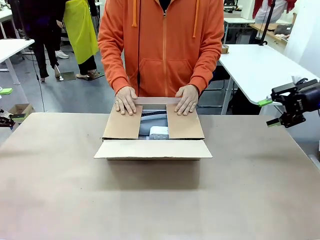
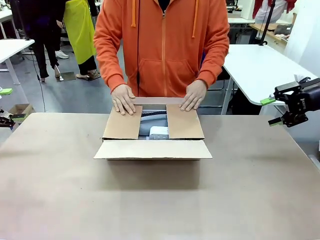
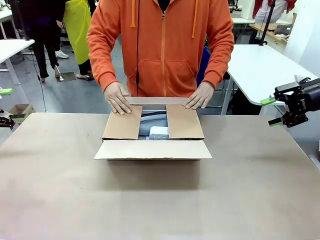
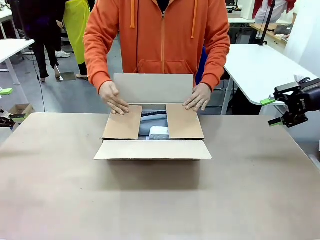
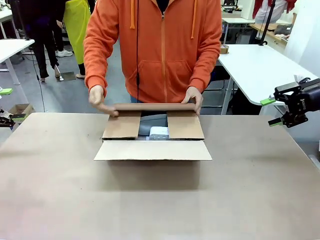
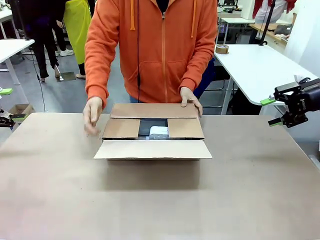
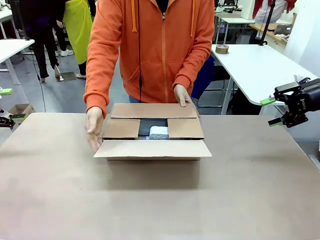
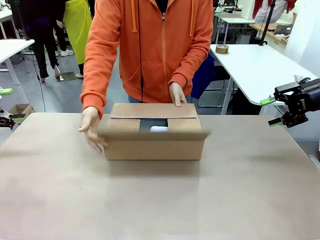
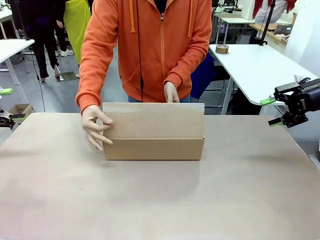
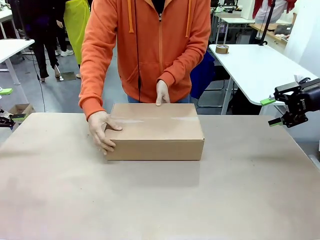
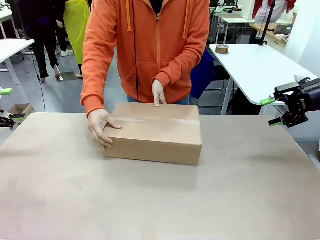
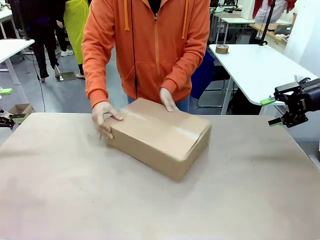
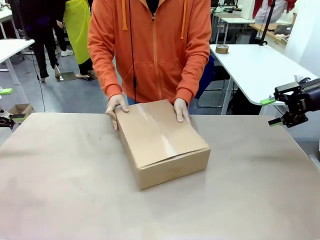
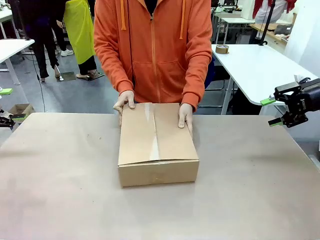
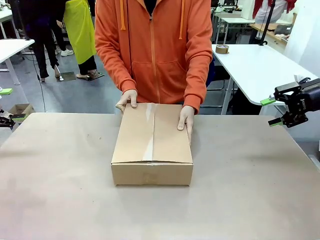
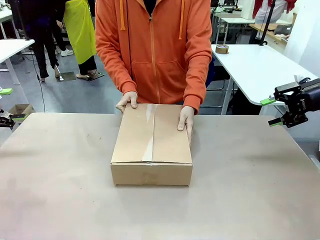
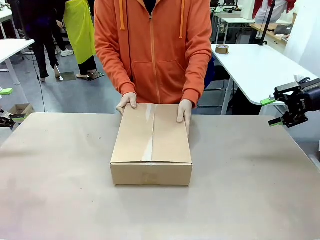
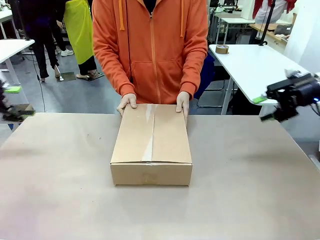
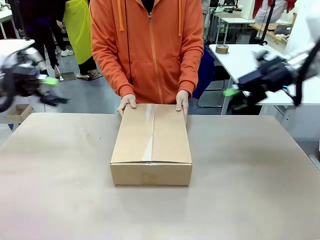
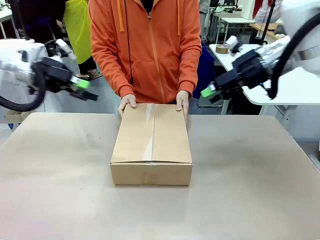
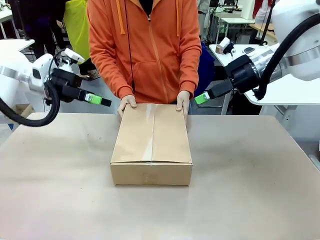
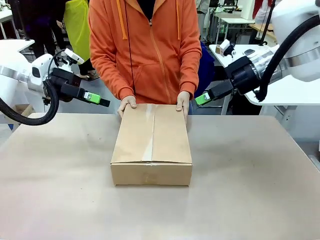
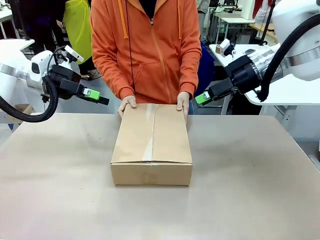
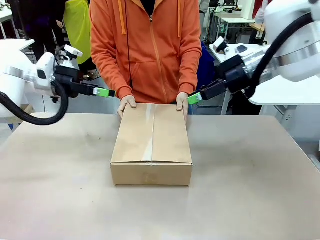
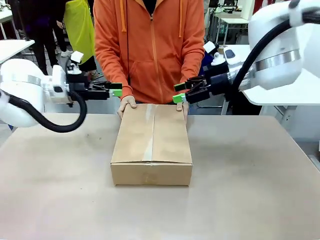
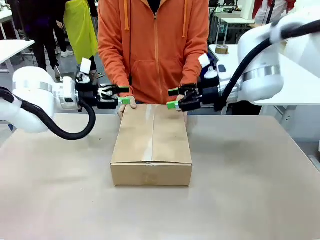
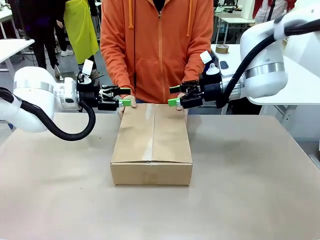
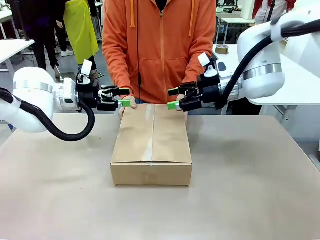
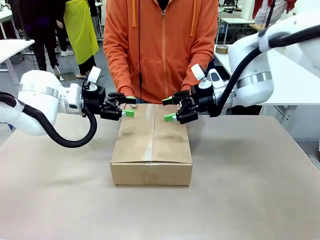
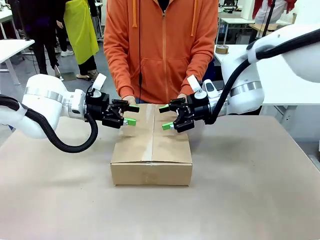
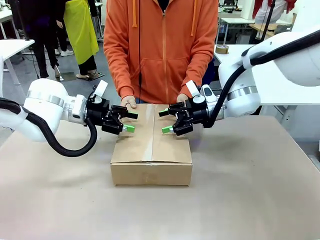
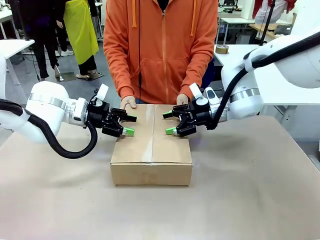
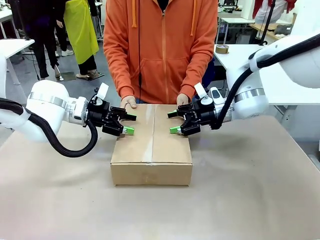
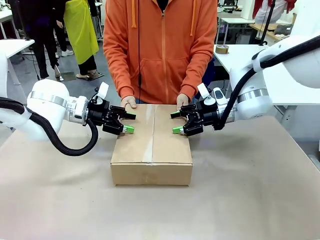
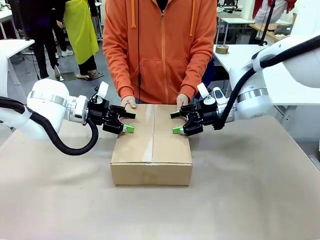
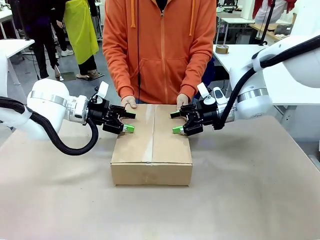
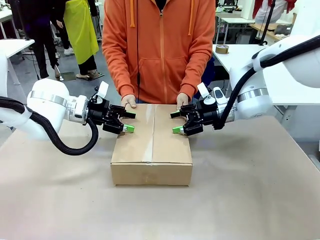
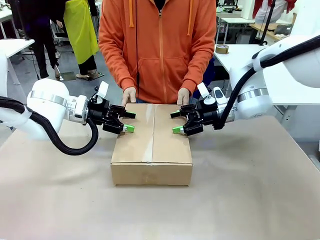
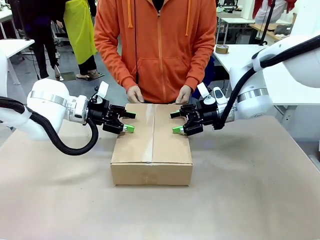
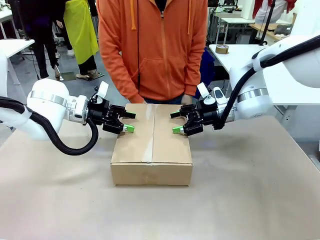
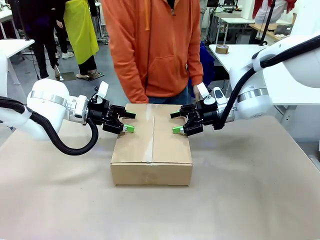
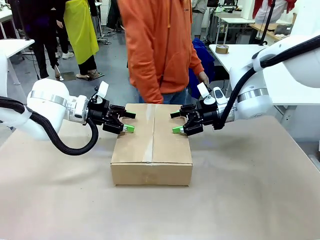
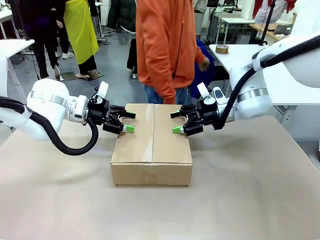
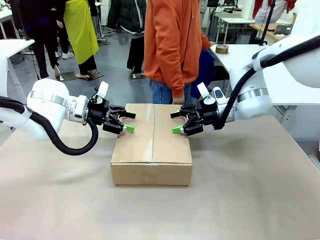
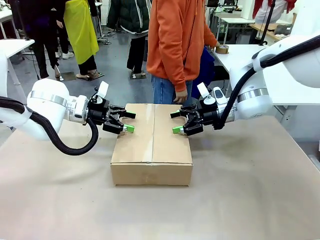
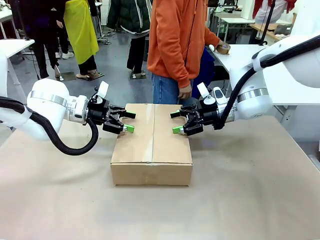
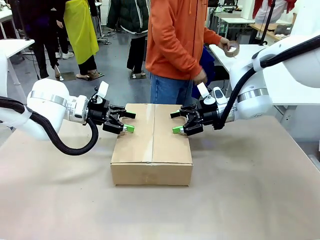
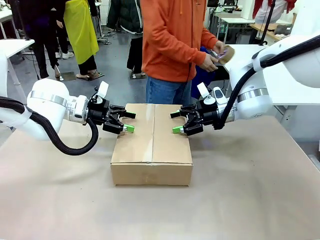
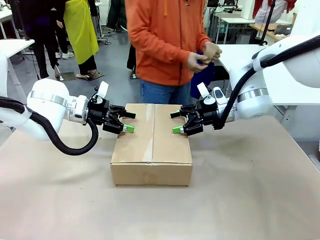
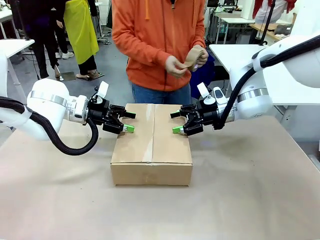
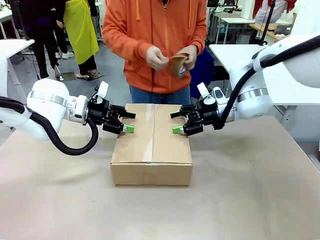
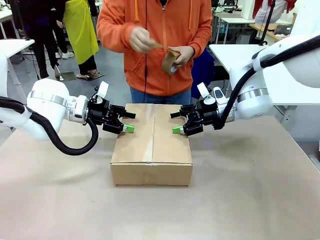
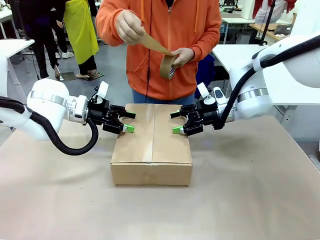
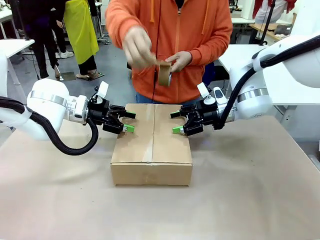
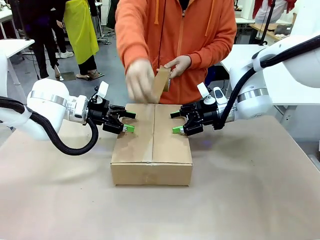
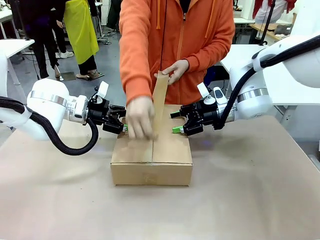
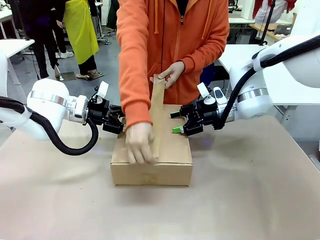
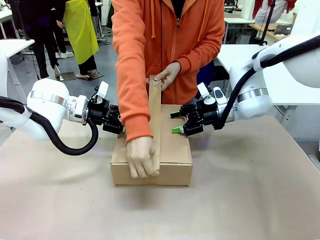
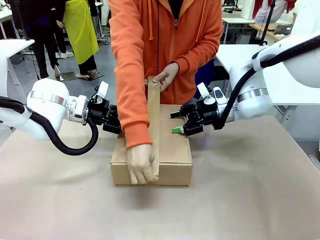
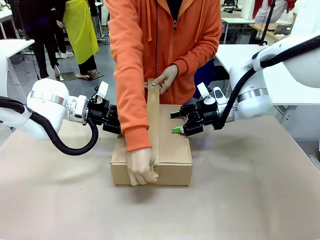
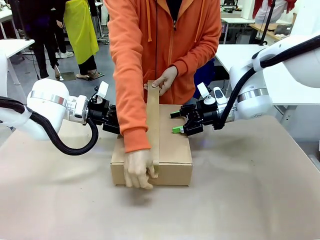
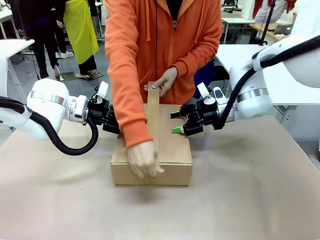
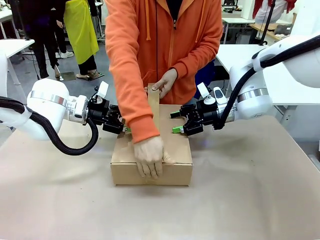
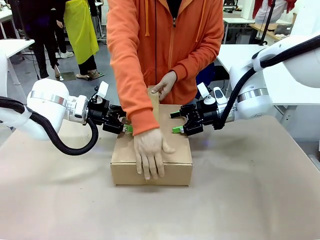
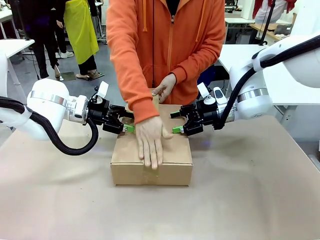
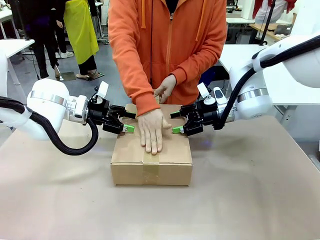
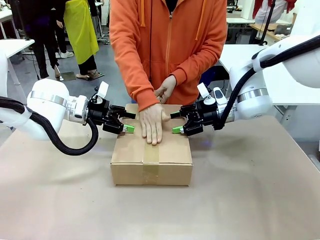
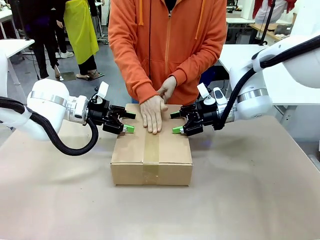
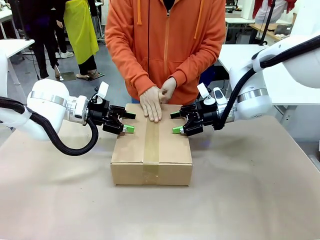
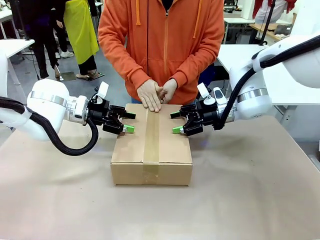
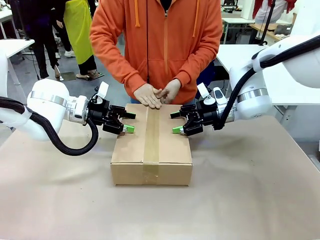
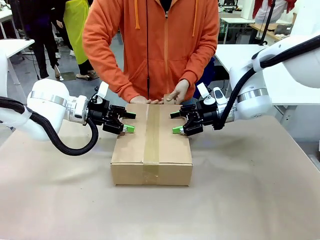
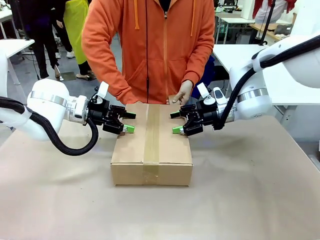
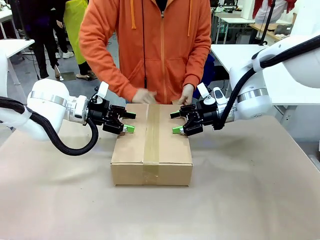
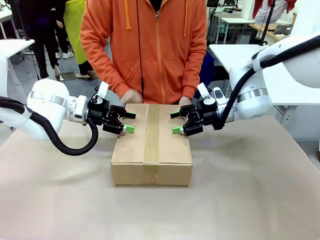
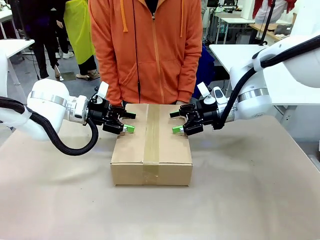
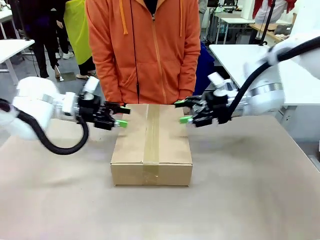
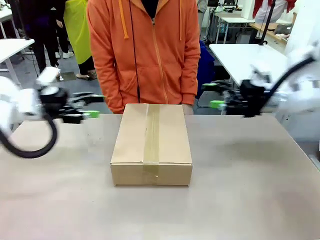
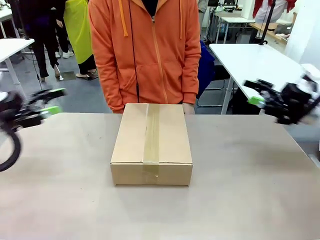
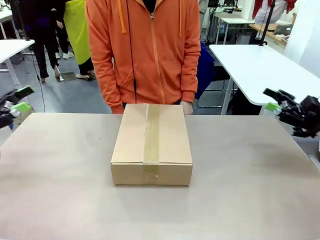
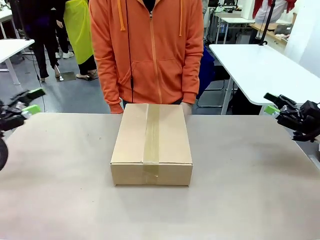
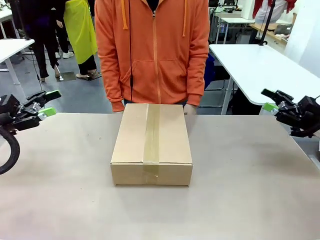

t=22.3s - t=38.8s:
Task: Pack the gift set into the box.
Robot: Press and hold the closed box until the human finishes sealing it.
Person: The human closes the box and rotates the box by 90 degrees. The human picks up the paper tape from the human table and packs the box.

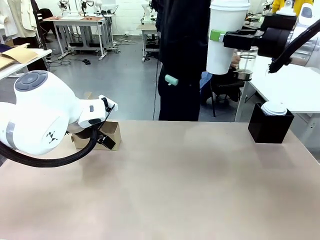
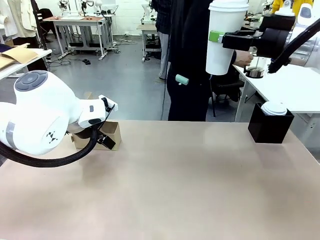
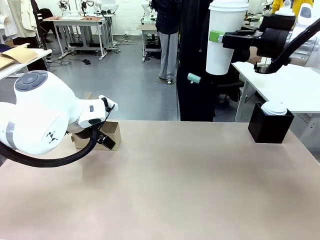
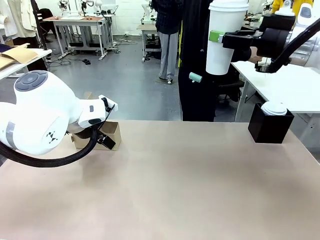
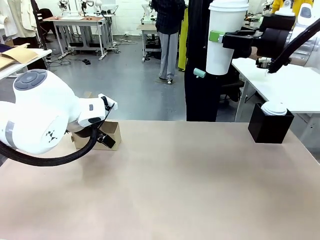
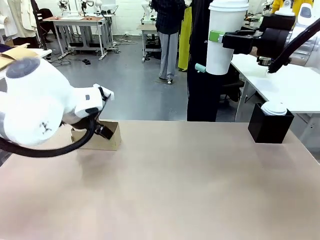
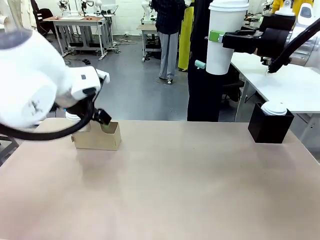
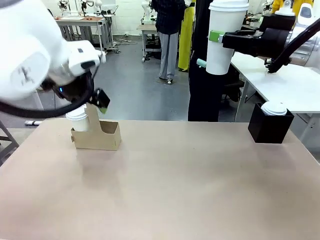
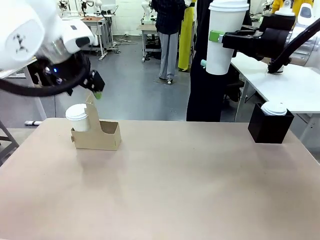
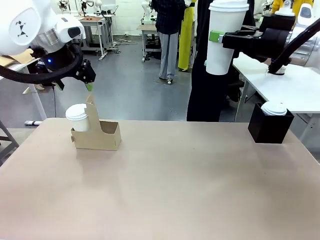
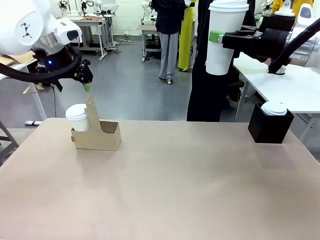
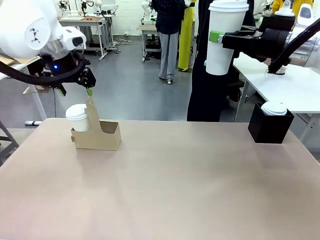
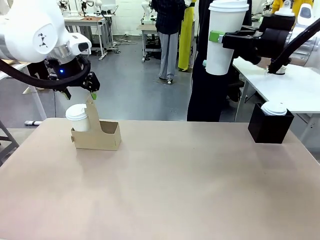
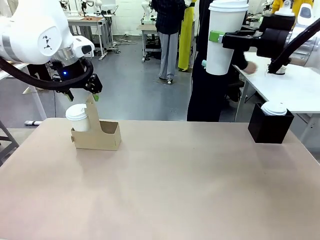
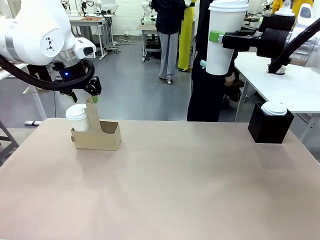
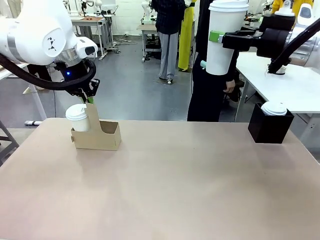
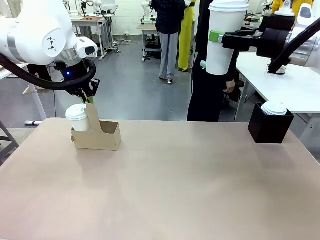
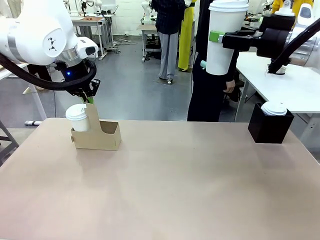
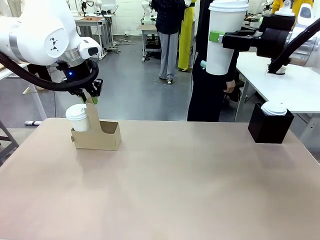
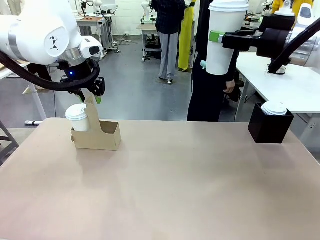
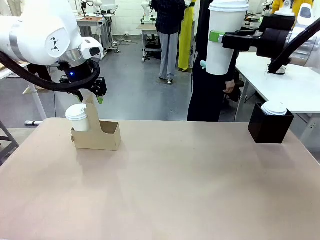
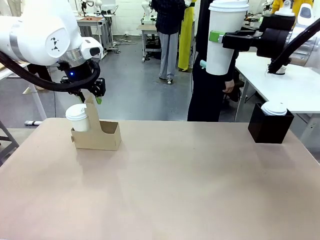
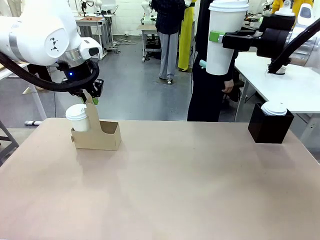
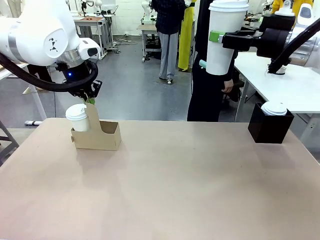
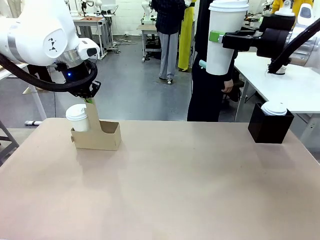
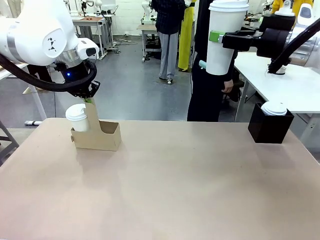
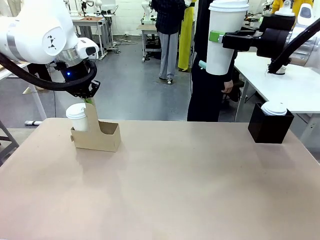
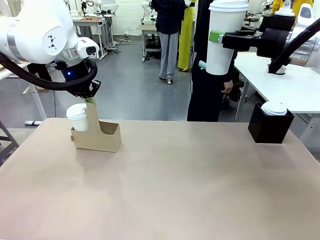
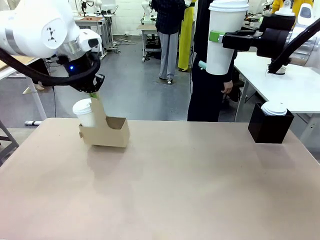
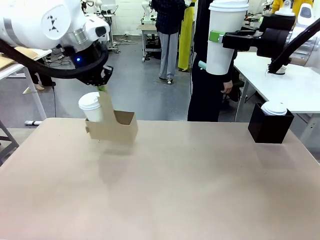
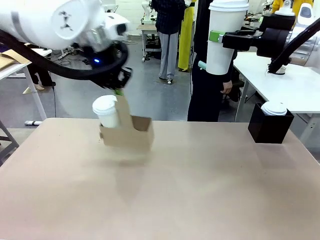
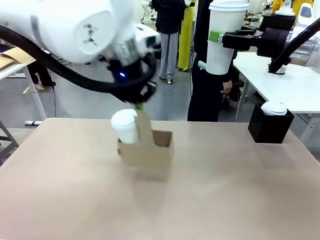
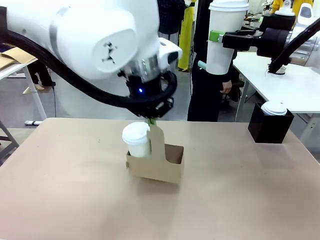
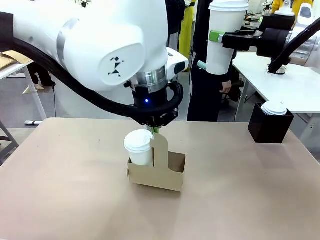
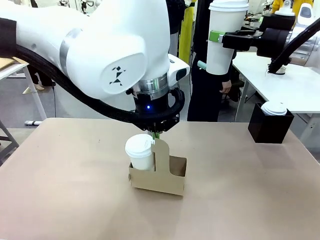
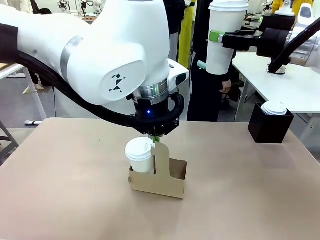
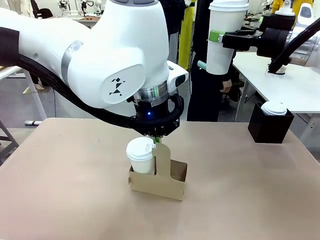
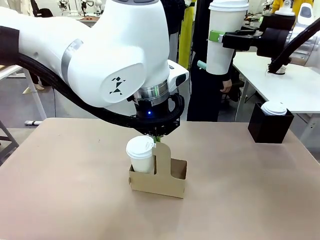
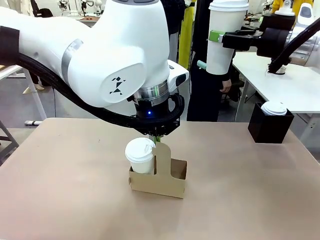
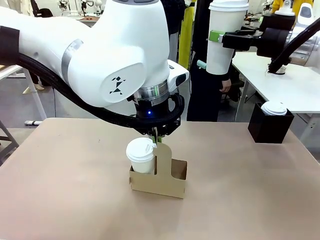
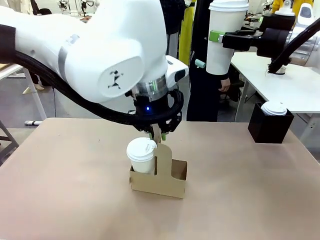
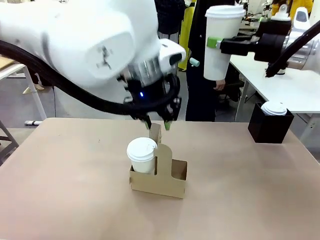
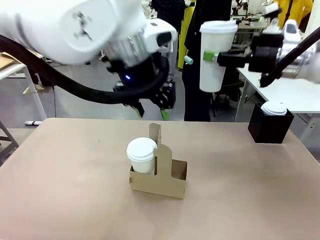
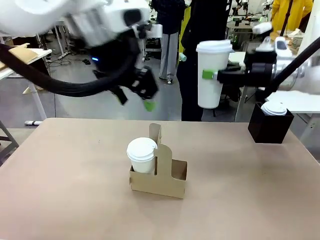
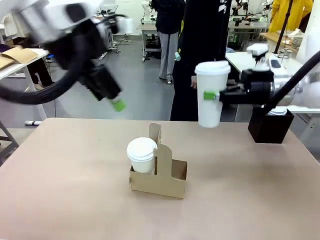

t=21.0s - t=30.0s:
Task: Pour a drink into a cup and package it in a carrier.
Robot: Position the Cup Carrier in the center of the table.
Person: Pick up the Filter Brewing and place on the middle of Human table, and return to the Robot table.
